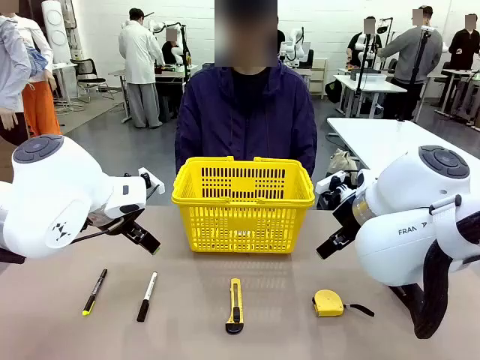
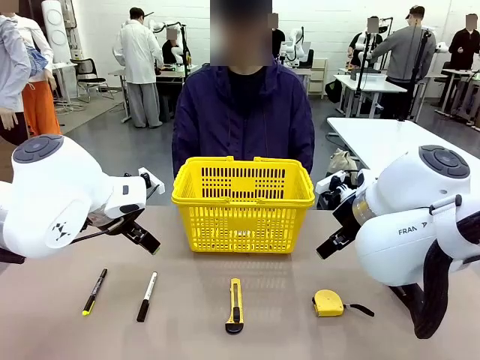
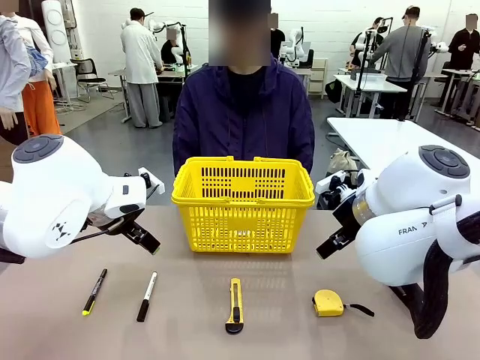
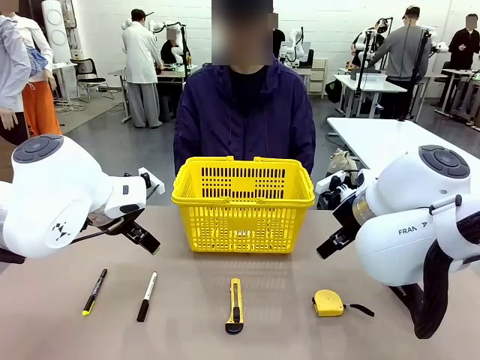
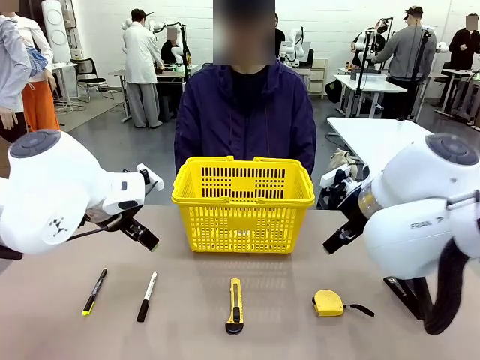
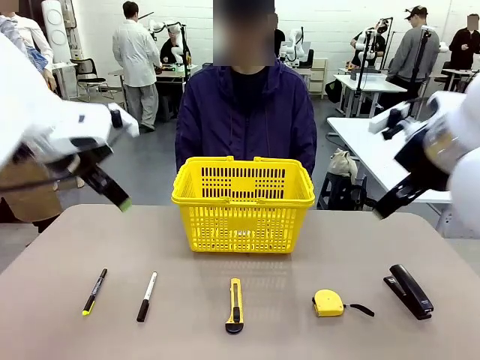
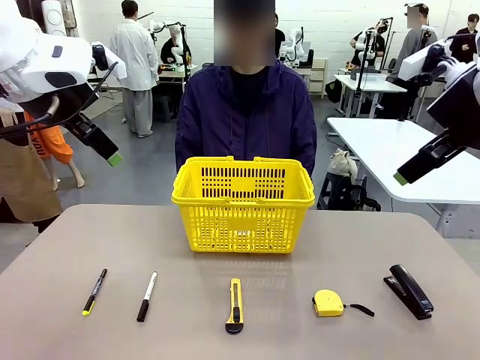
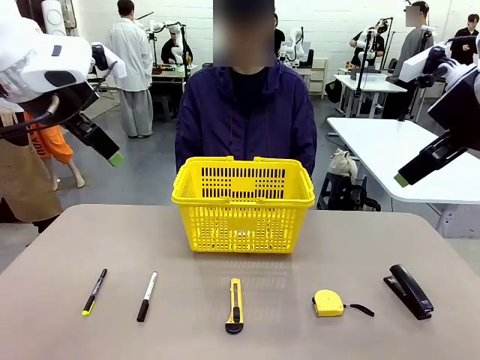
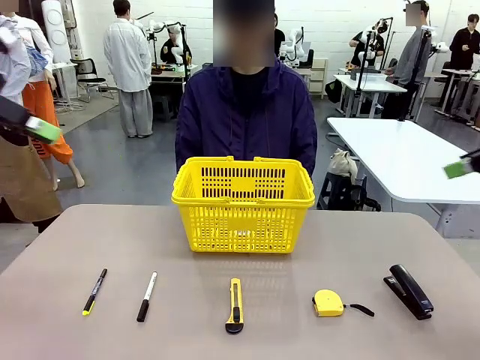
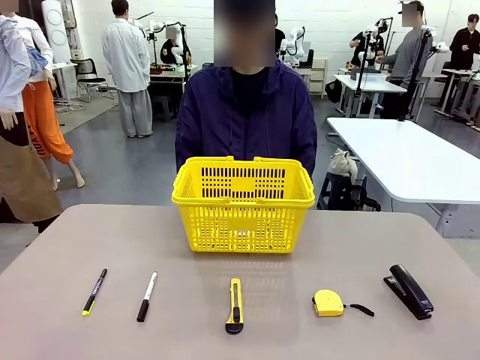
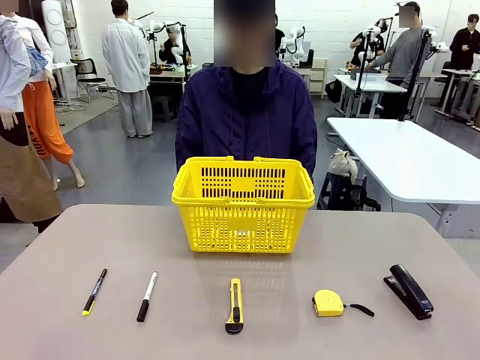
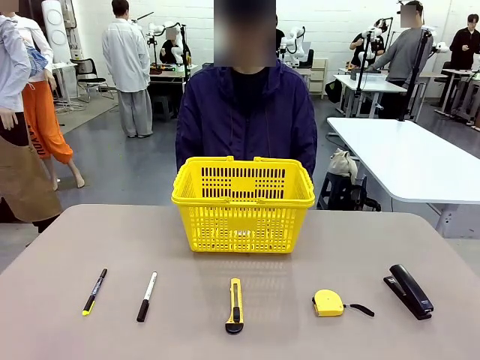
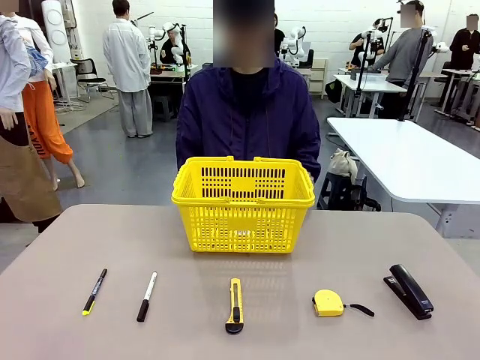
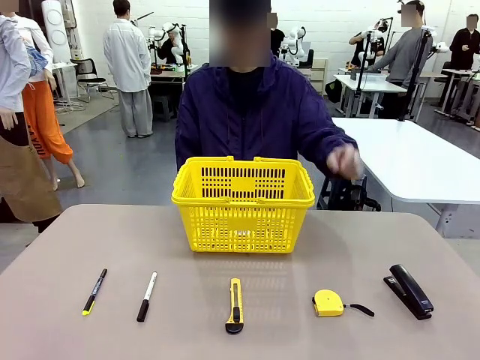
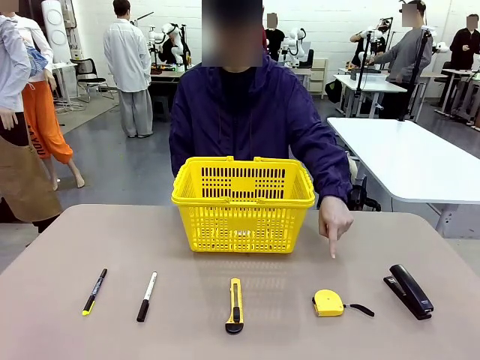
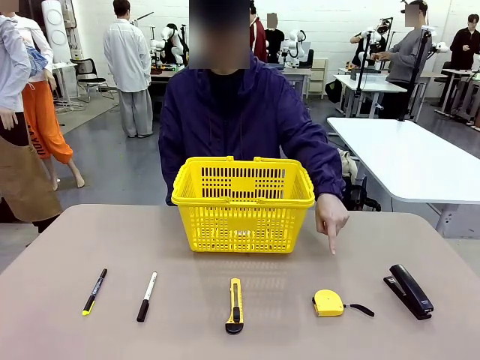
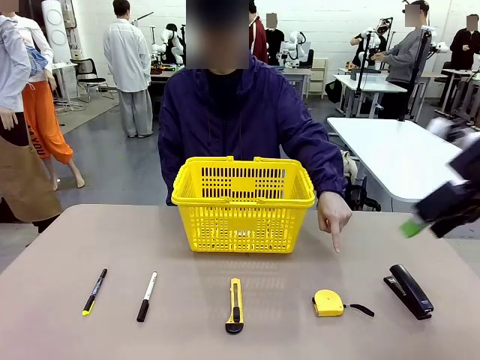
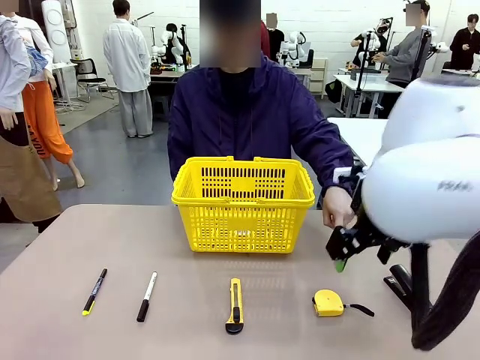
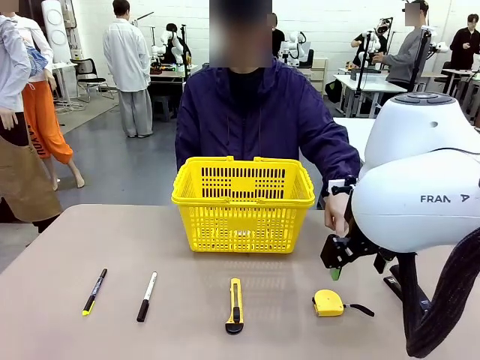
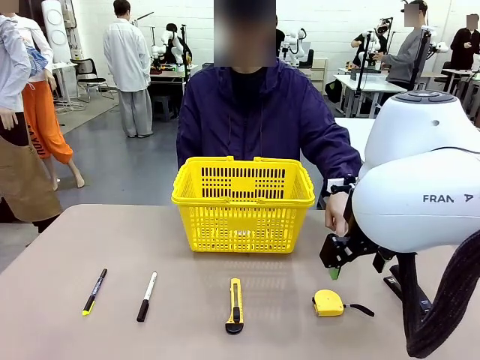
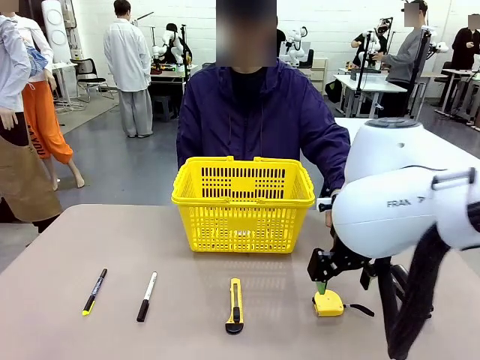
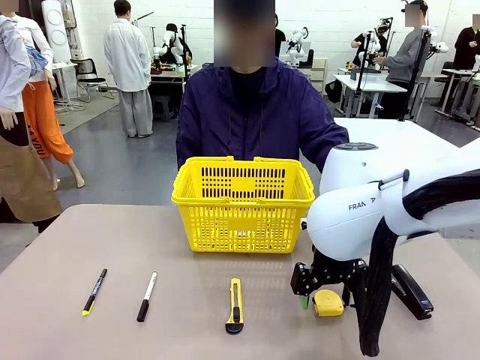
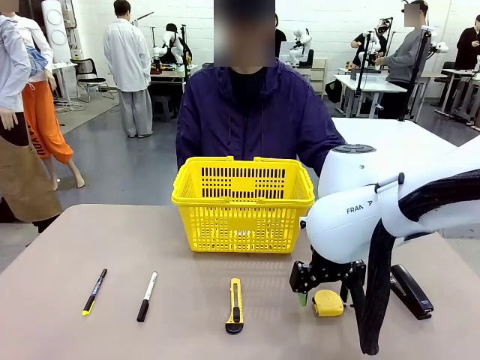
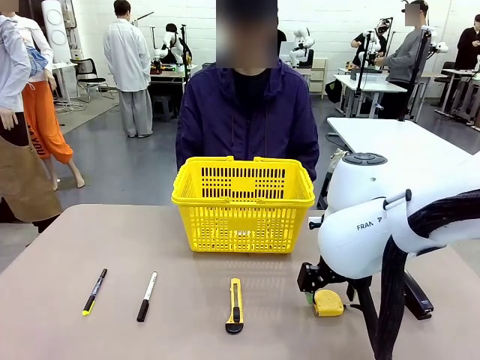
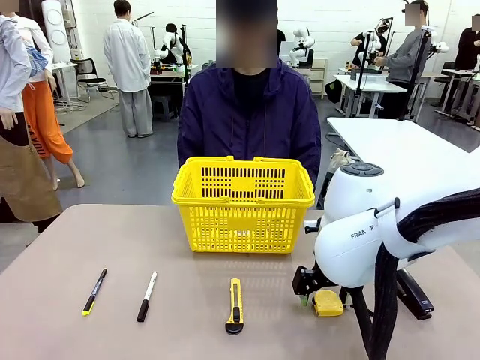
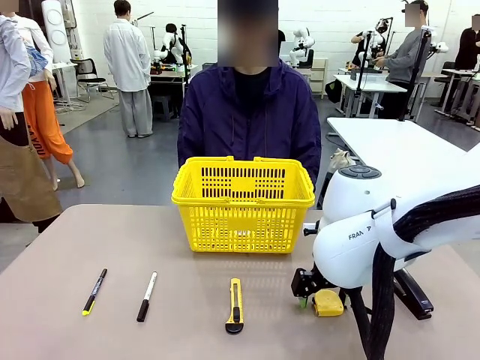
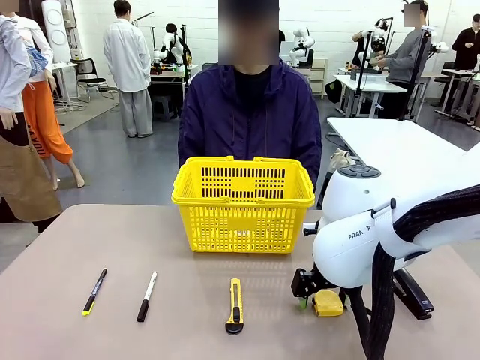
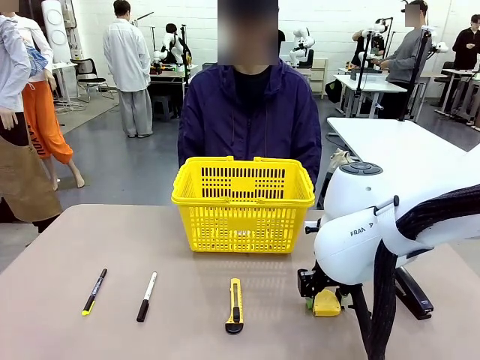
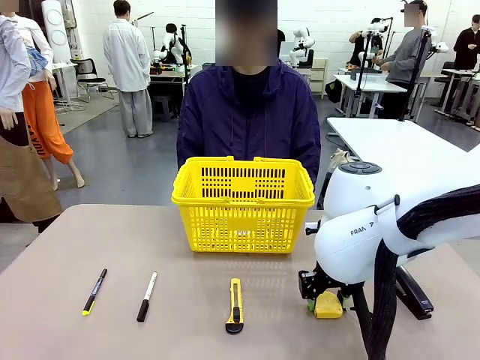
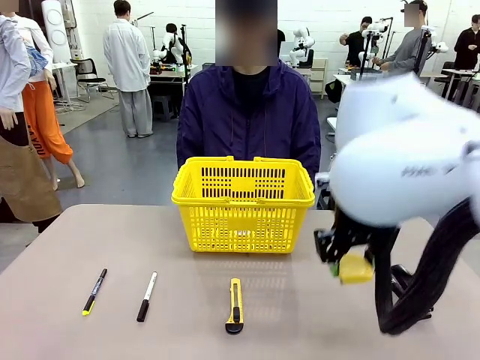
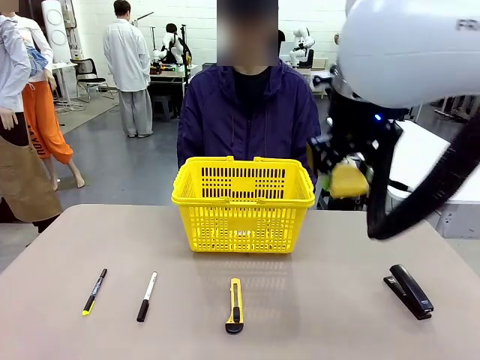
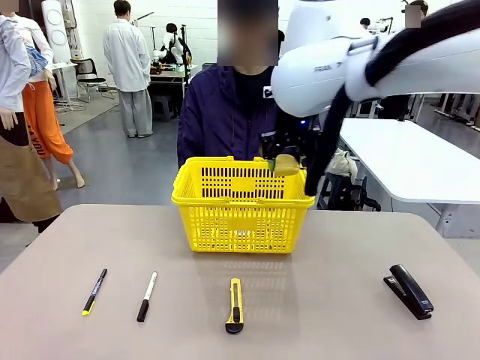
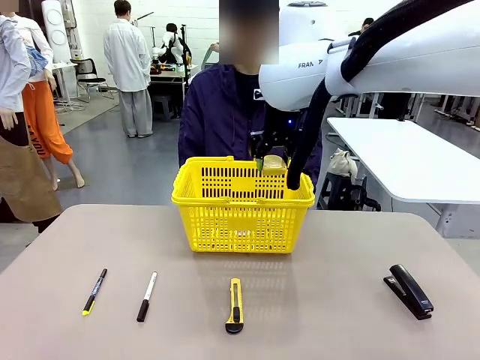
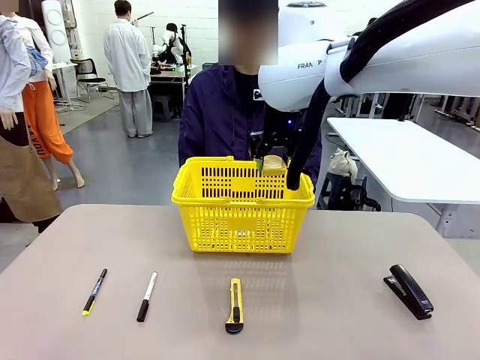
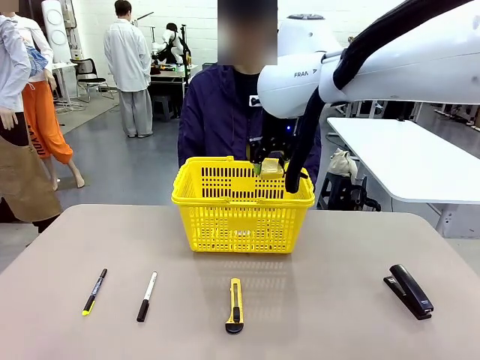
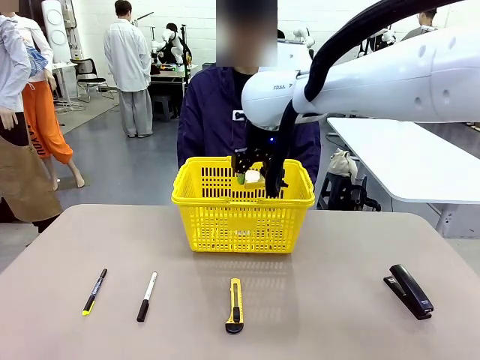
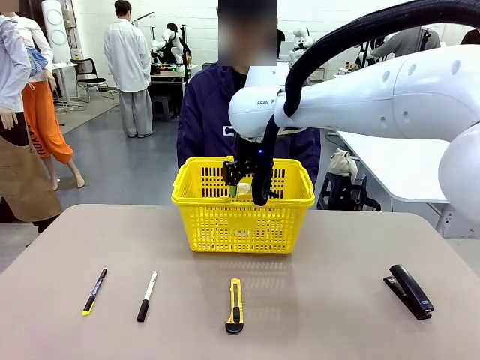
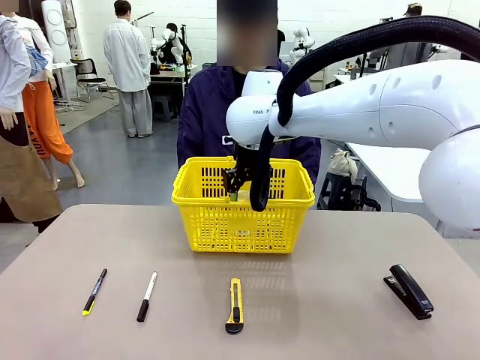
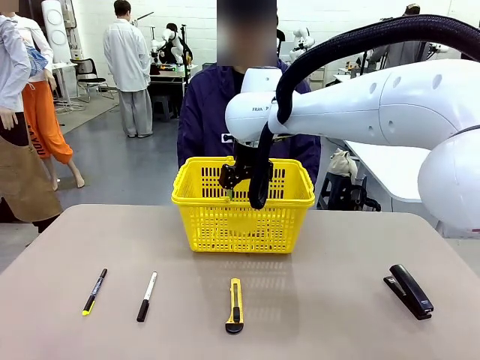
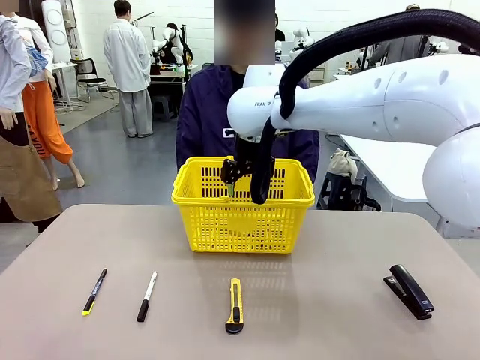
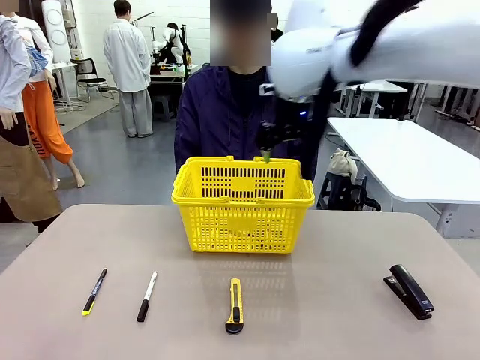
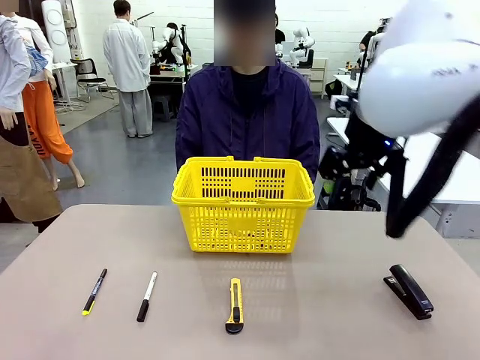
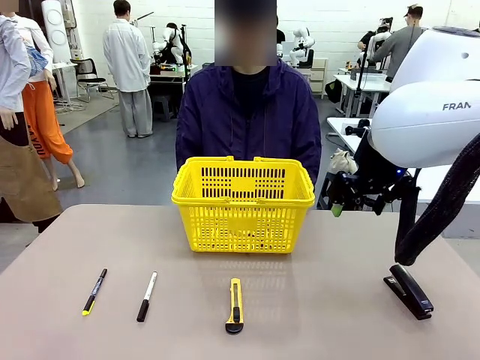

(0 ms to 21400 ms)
Task: Place the items the person wants into the basket.
Robot: Pick up the item the person points to and place it in the Market Basket.

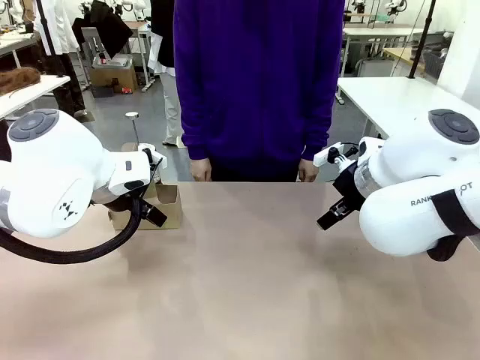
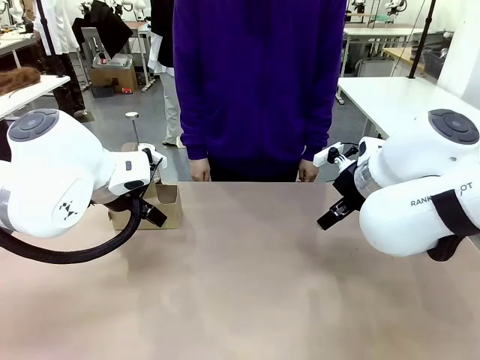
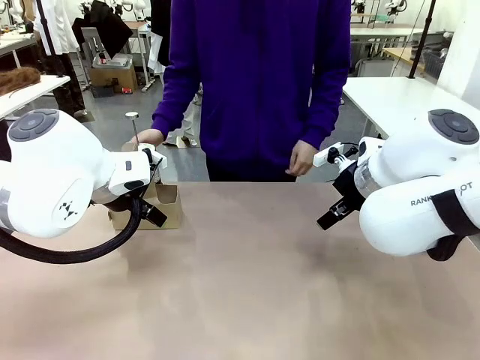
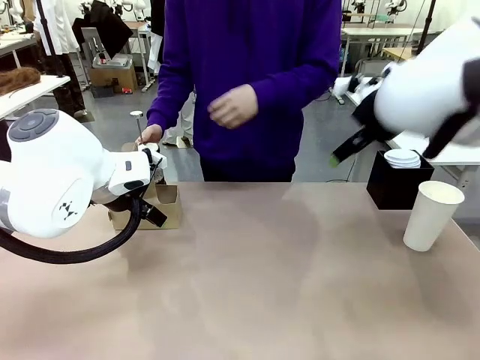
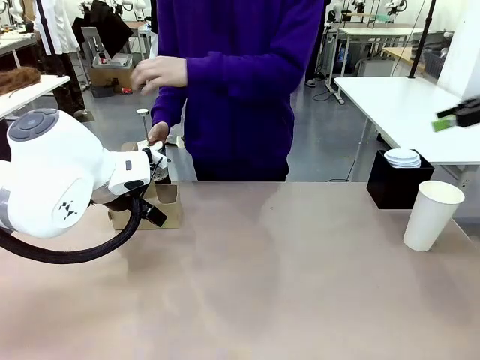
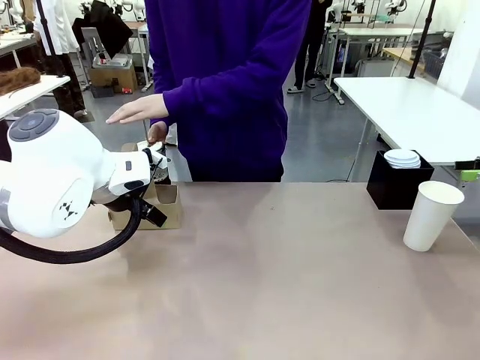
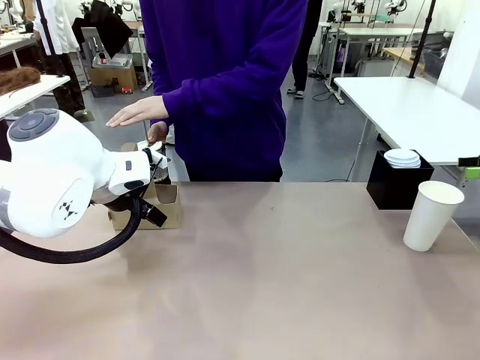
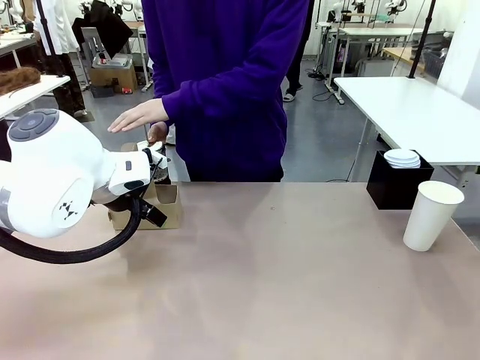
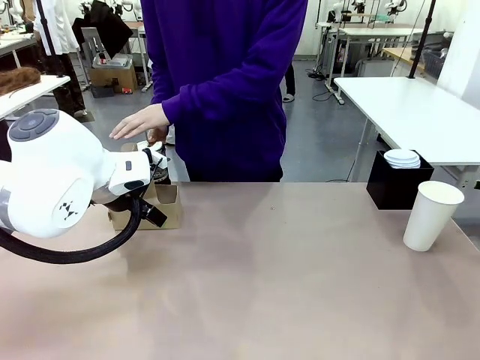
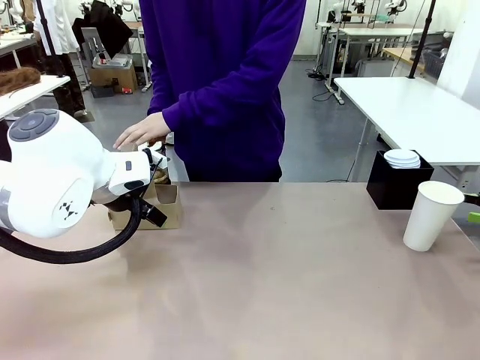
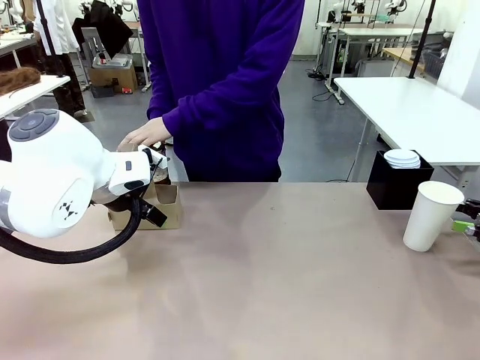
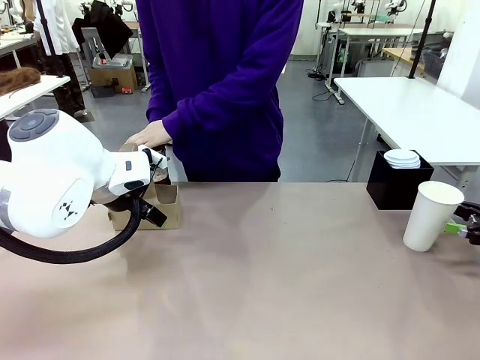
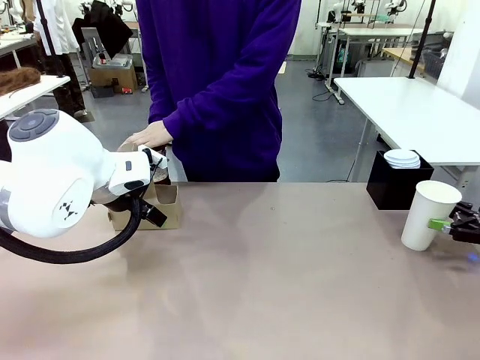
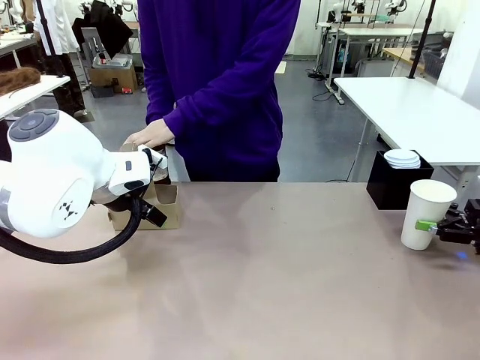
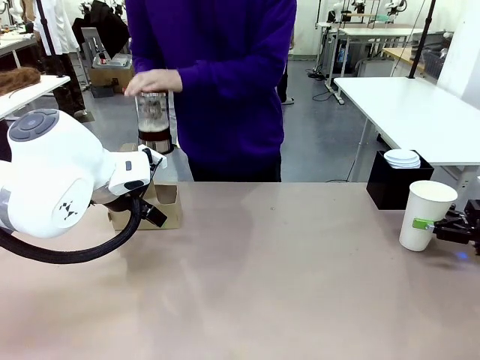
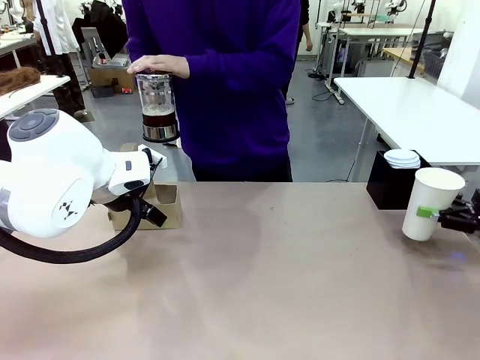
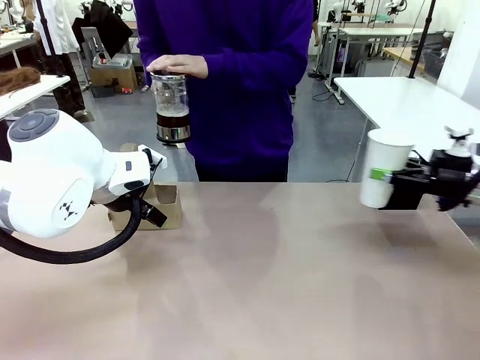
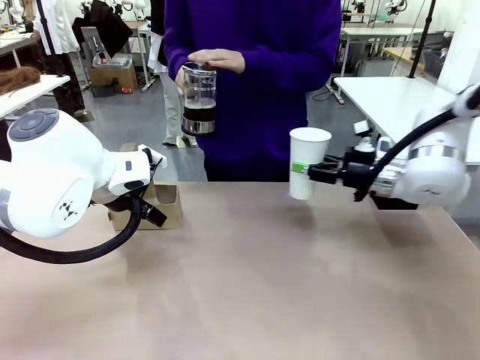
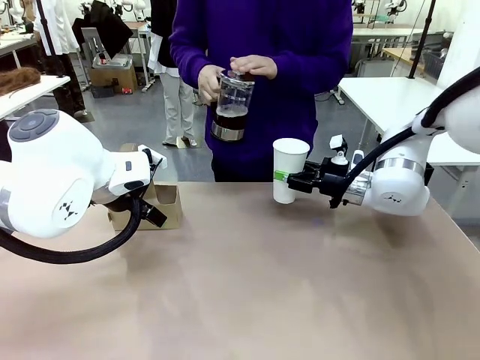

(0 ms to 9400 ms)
Task: Pour a drink into a cup and package it in a carrier.
Robot: Pick up the 600 ml Paper Cup and place it in the middle top area of the table.
Person: Press and pick up the Filter Brewing.
